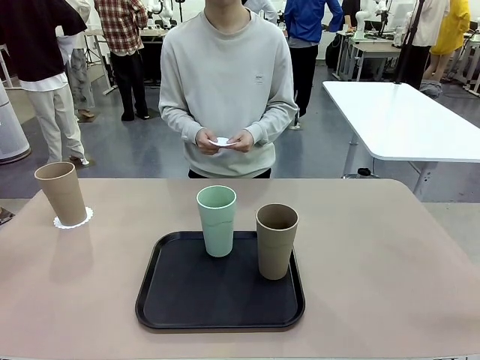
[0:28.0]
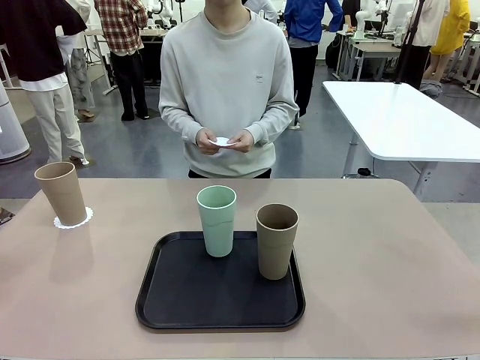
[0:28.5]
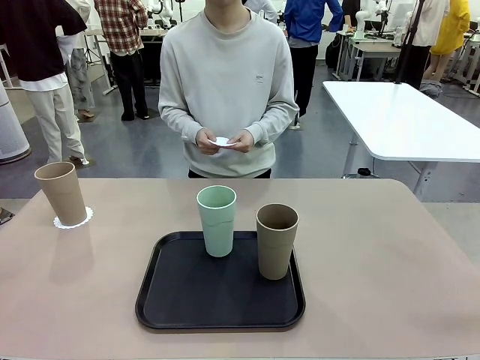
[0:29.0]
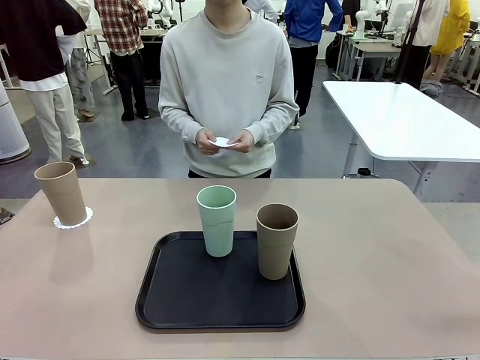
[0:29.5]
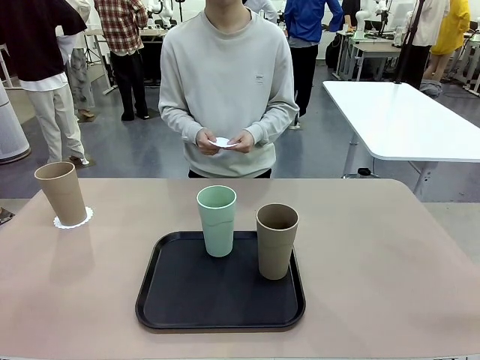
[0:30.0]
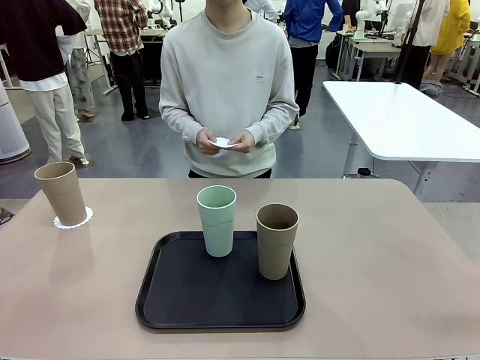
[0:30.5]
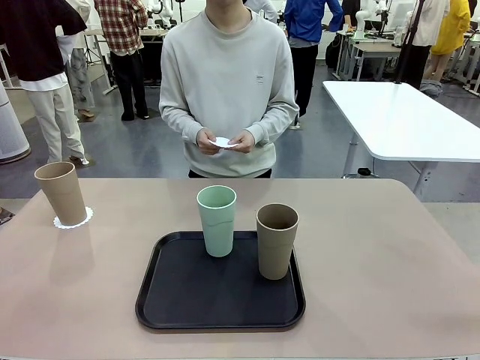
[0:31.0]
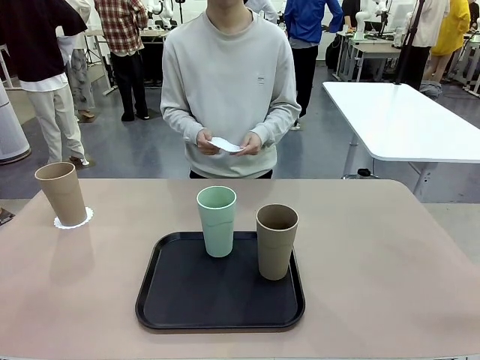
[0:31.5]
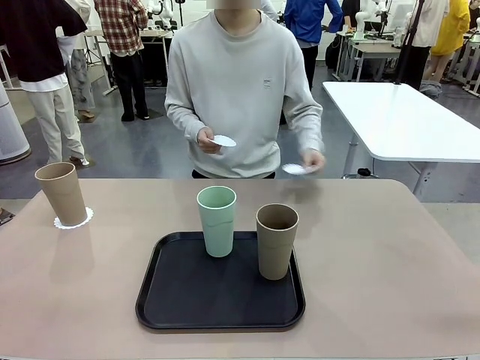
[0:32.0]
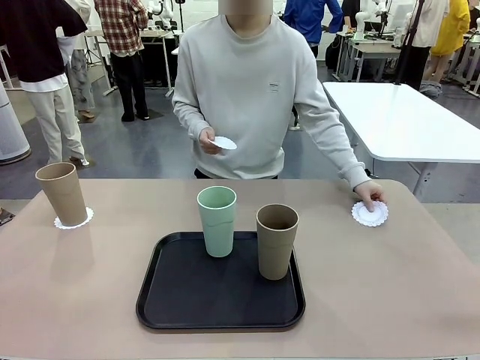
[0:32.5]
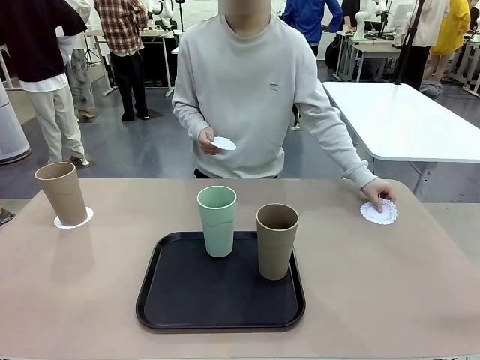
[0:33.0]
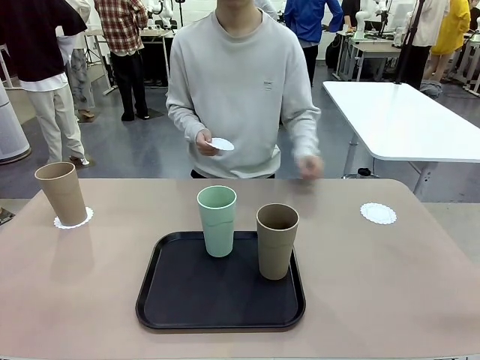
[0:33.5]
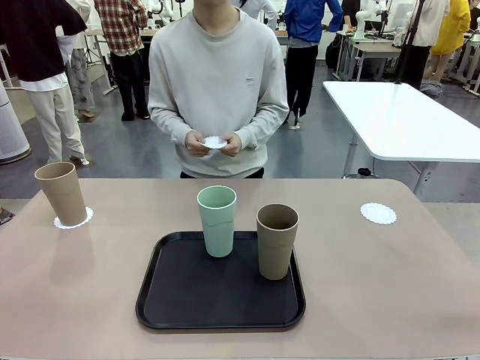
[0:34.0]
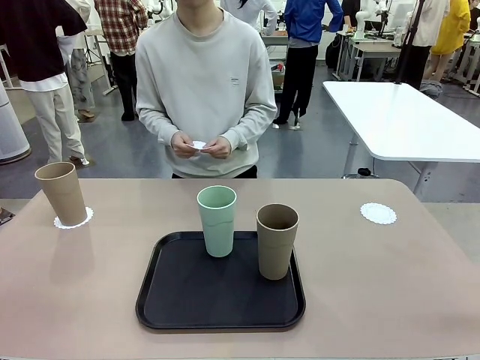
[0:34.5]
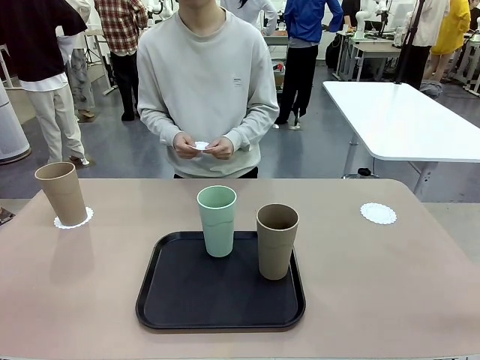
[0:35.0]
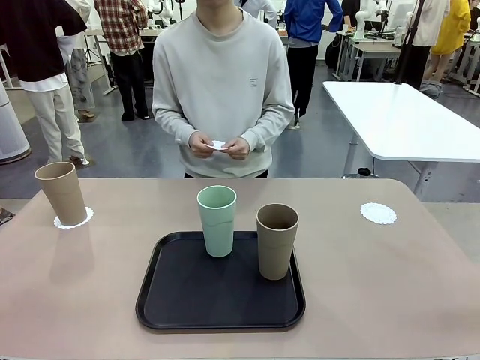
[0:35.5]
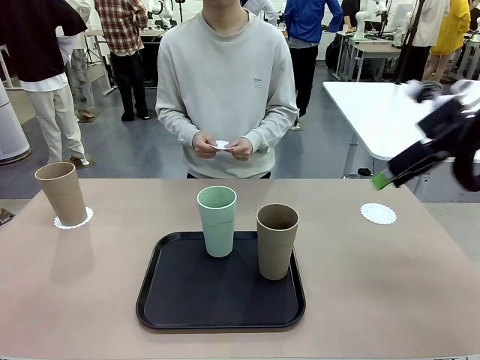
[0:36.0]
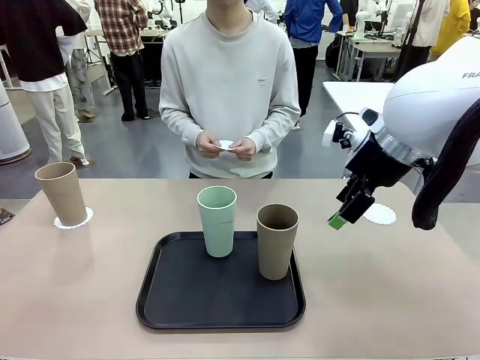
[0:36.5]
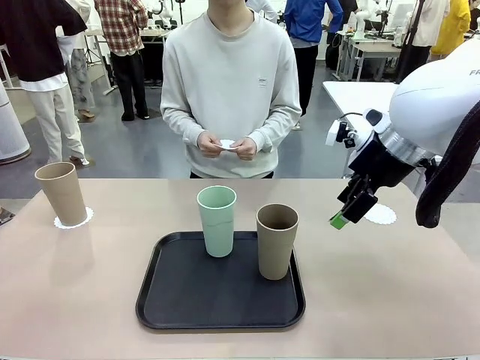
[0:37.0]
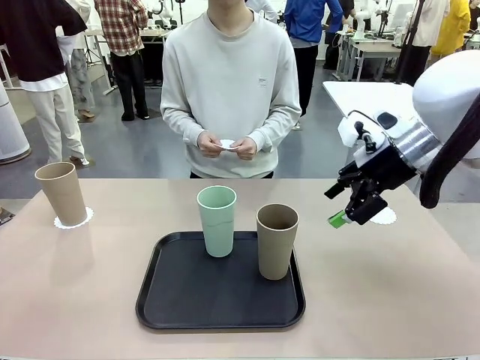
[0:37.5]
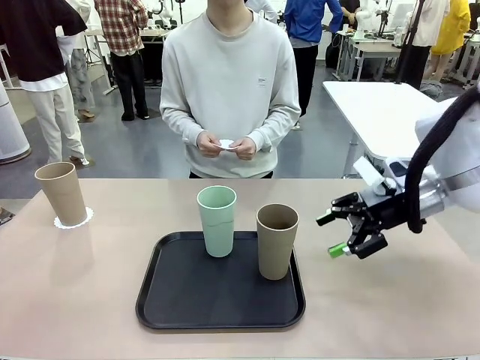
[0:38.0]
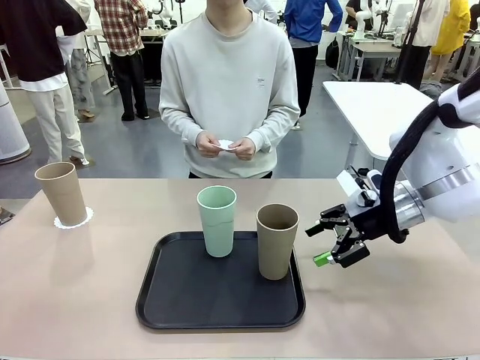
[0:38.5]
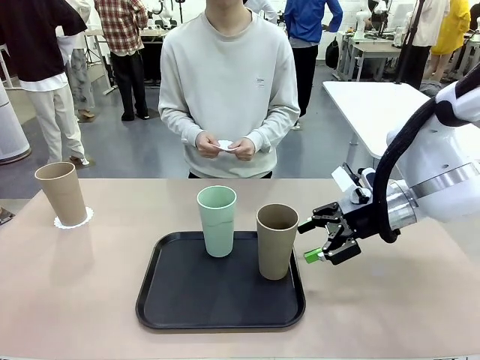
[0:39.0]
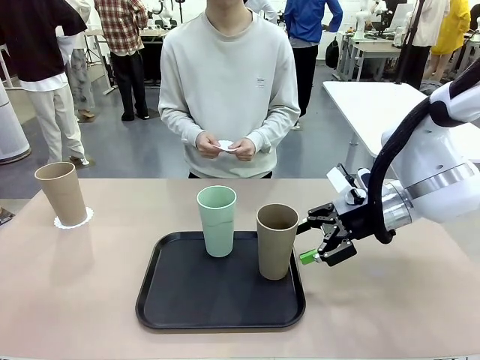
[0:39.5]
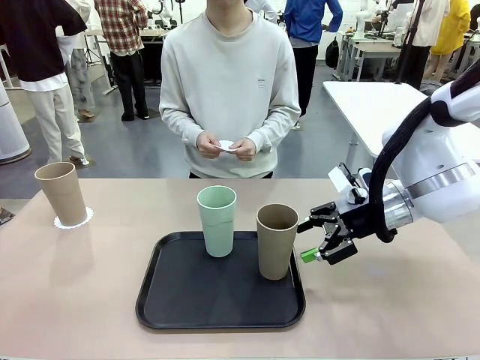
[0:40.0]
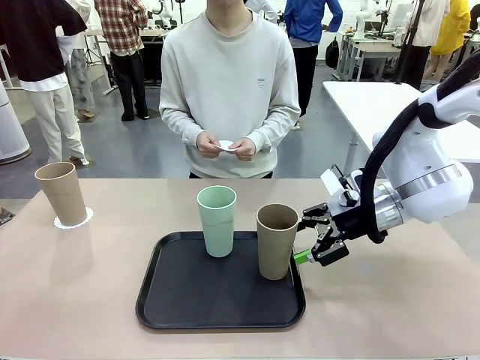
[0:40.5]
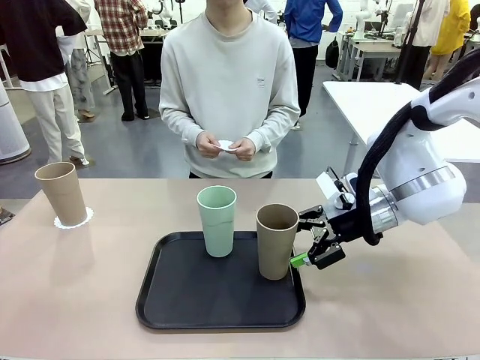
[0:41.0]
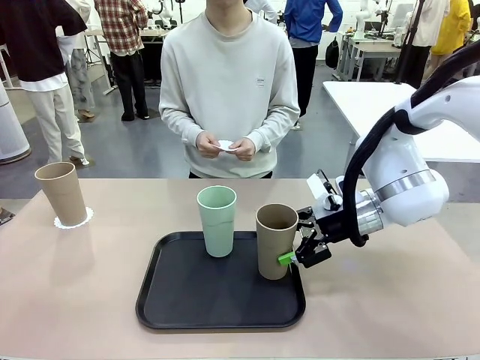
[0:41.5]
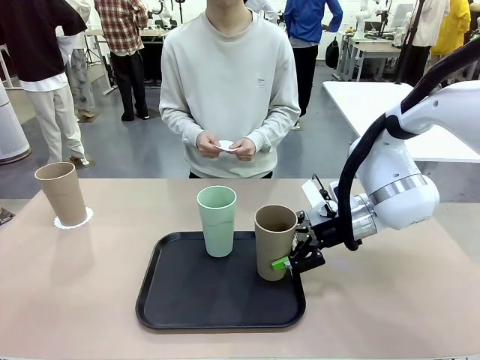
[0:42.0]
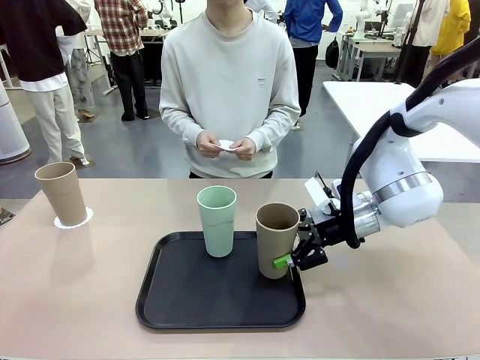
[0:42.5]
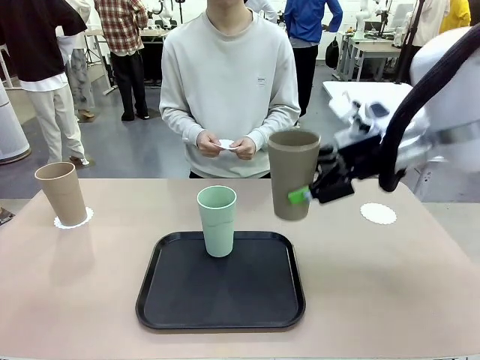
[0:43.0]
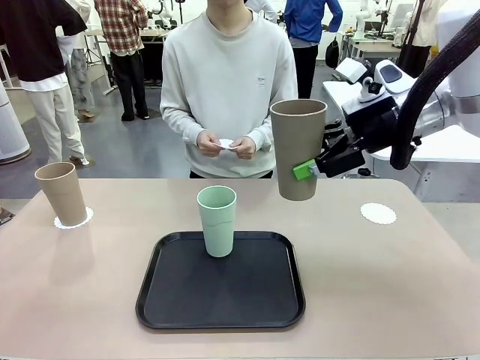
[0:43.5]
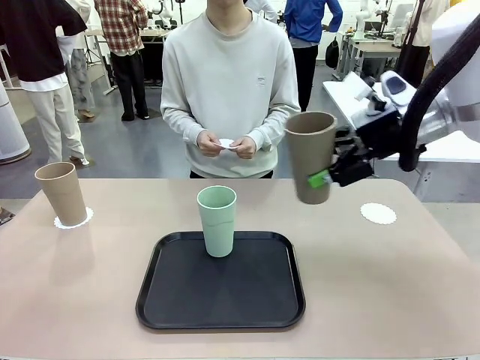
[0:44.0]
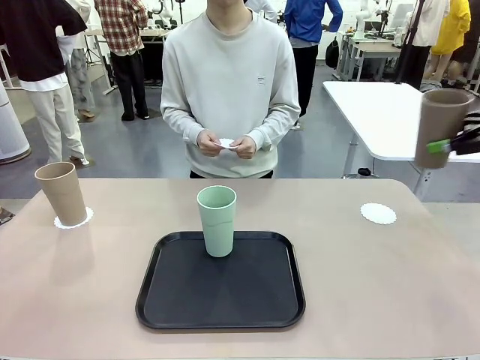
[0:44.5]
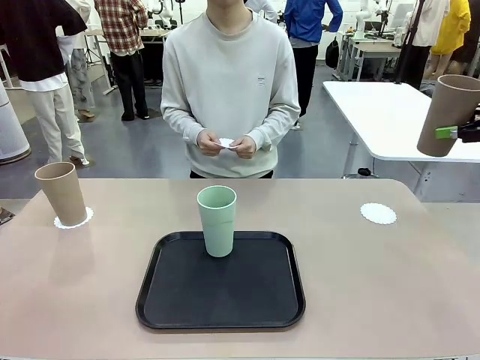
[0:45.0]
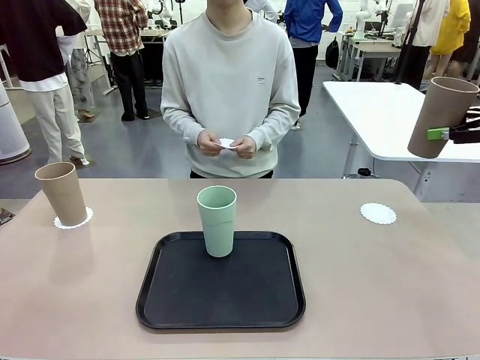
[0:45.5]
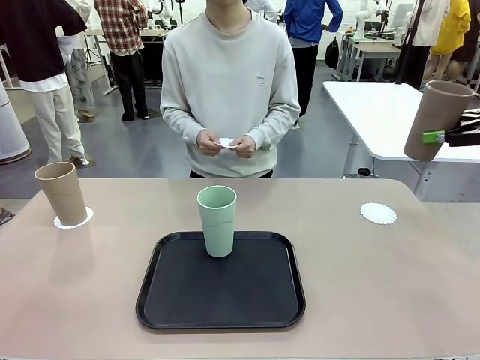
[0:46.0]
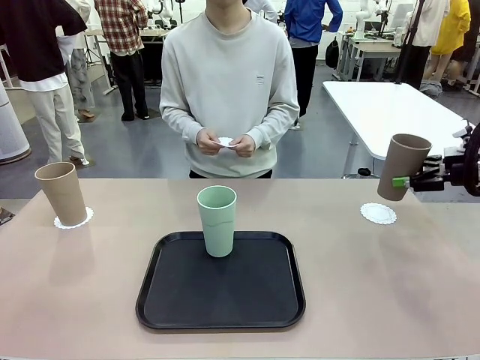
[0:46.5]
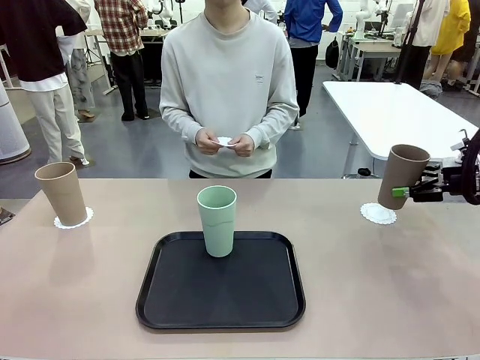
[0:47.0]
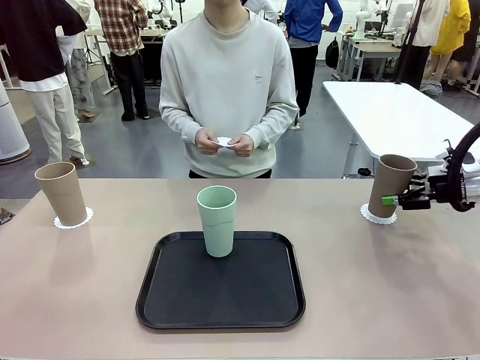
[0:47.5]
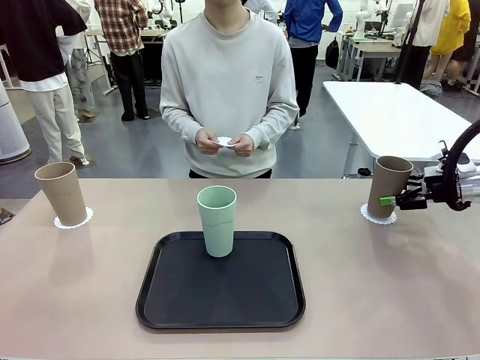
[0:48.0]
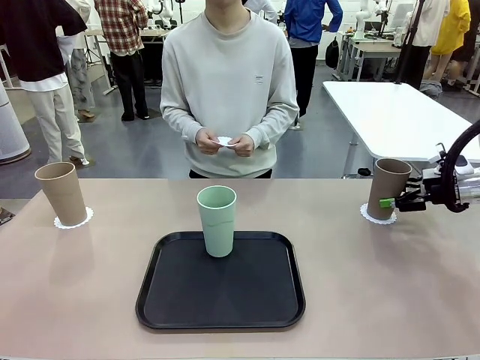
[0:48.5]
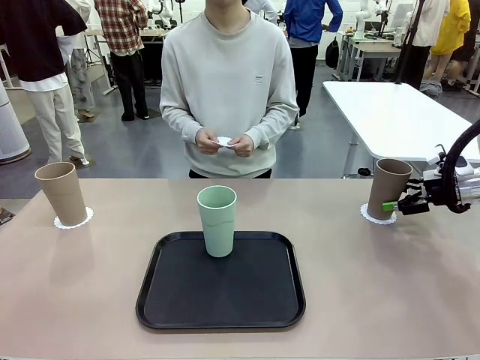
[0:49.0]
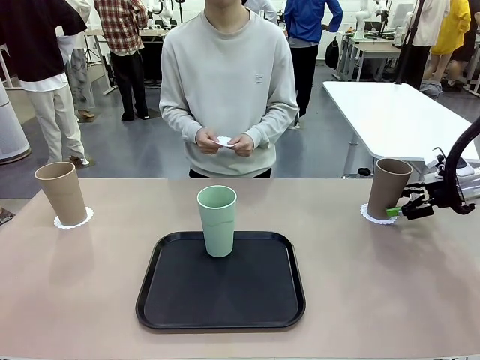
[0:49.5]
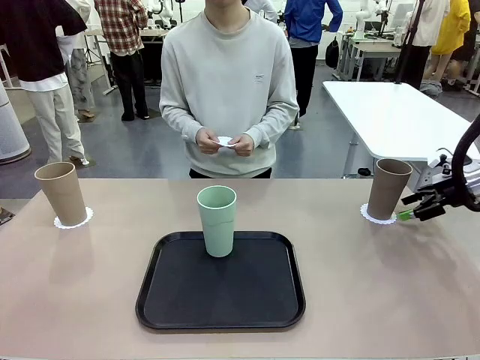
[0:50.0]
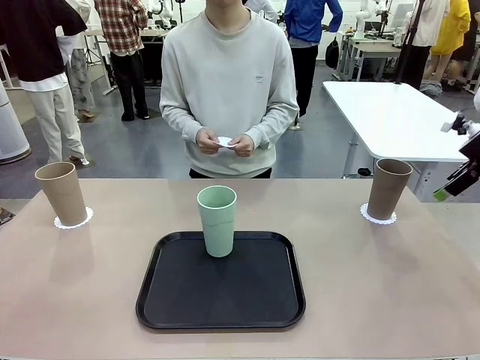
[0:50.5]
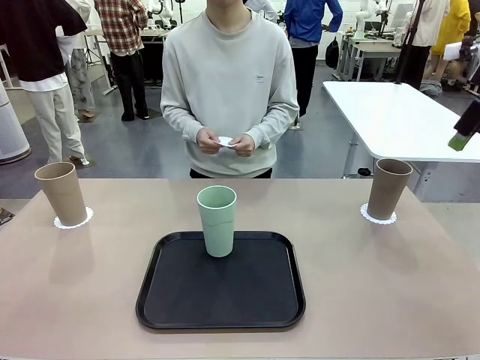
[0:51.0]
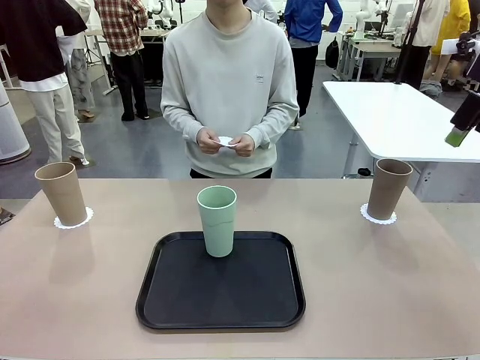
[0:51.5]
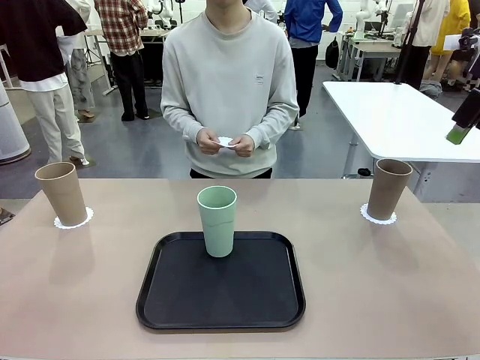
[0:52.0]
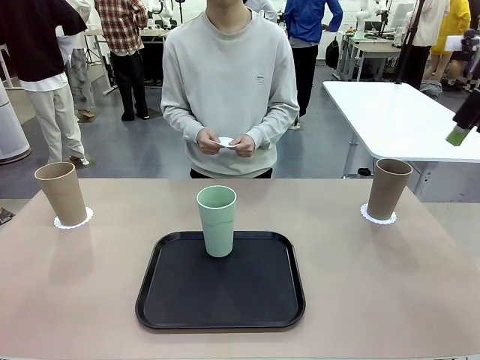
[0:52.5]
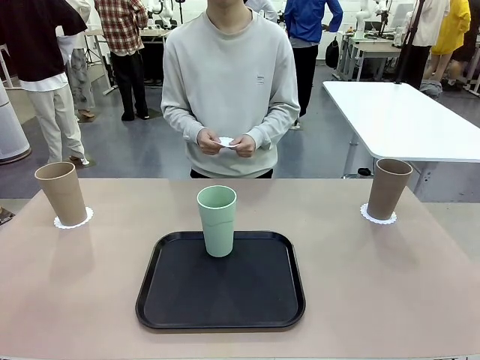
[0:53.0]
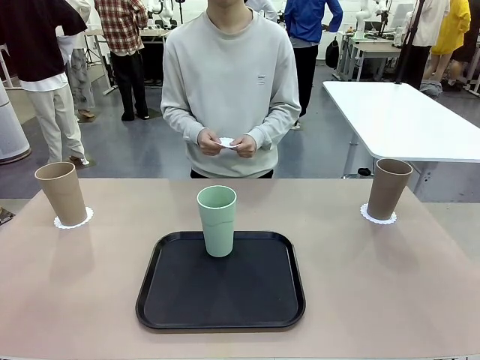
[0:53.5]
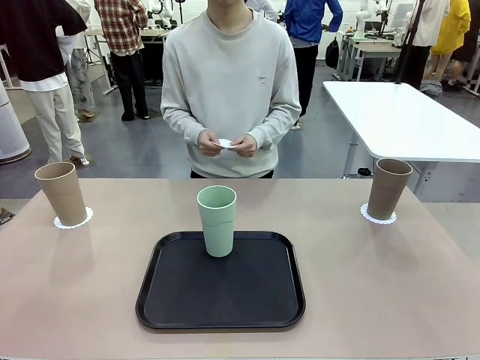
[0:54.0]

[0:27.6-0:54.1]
Task: Place coasters on the table and set cups on them.
Robot: Take one Reusable plastic cup from the Flat Tray and place it on a coaster set by the human.
